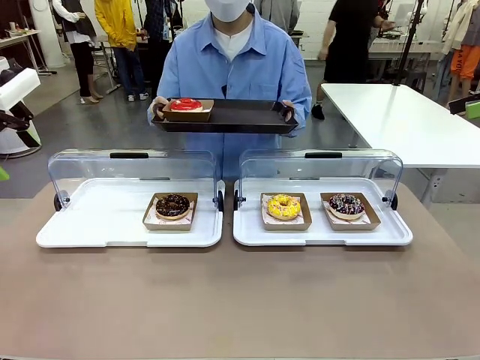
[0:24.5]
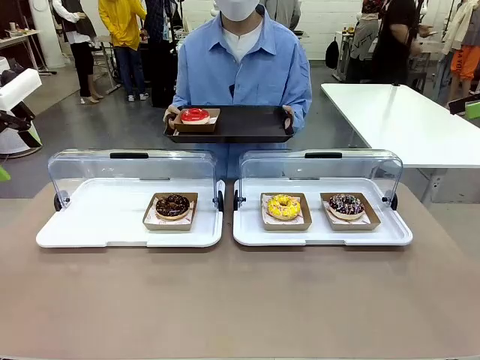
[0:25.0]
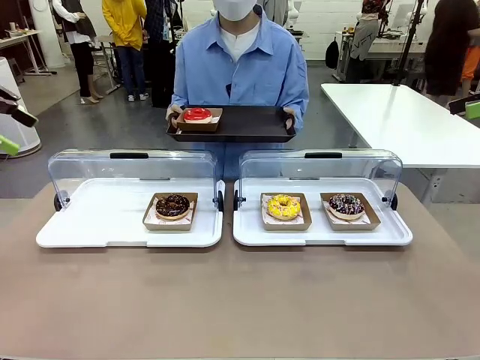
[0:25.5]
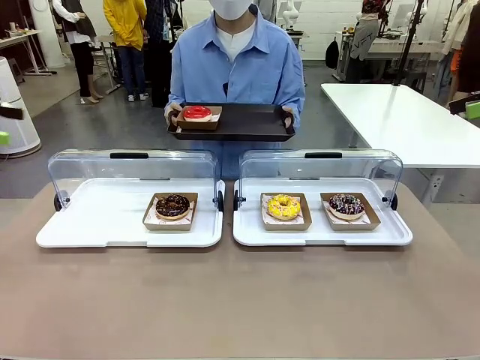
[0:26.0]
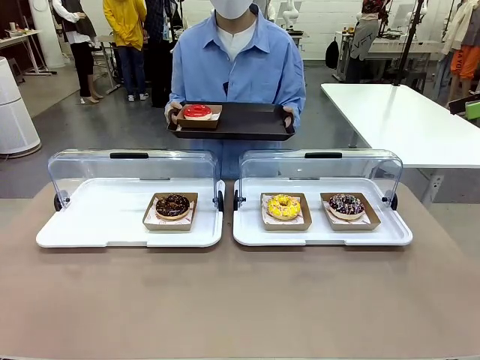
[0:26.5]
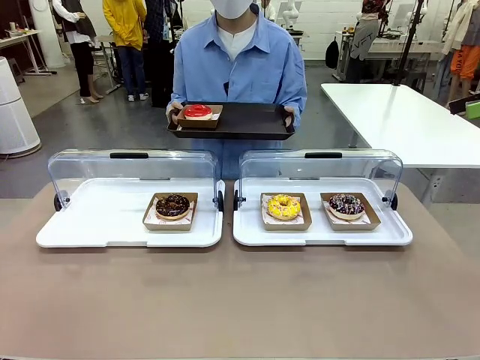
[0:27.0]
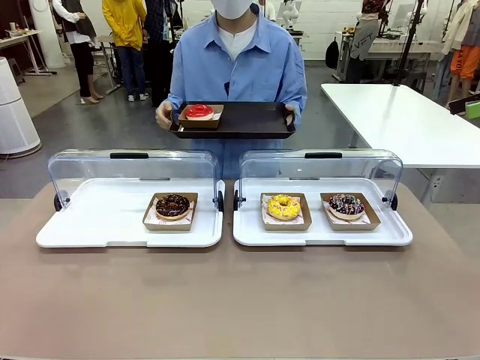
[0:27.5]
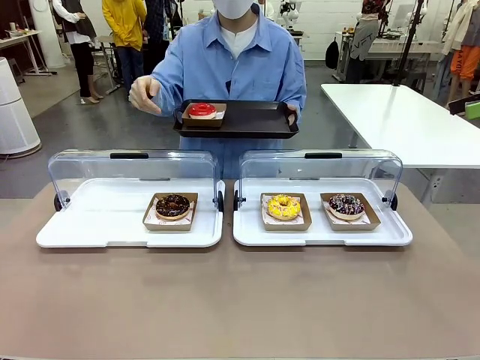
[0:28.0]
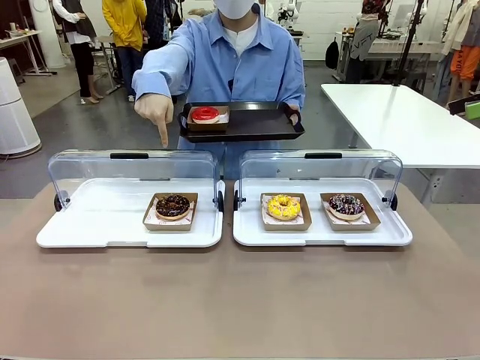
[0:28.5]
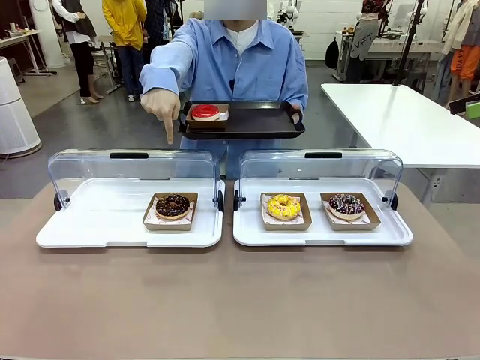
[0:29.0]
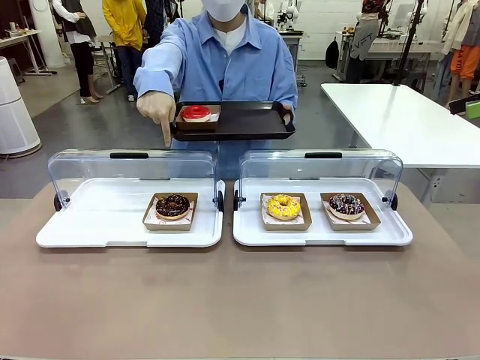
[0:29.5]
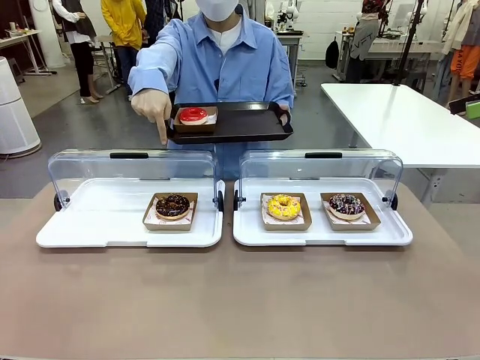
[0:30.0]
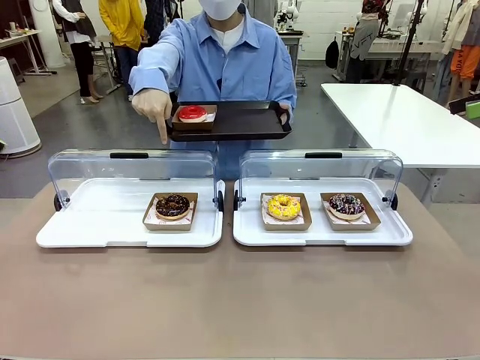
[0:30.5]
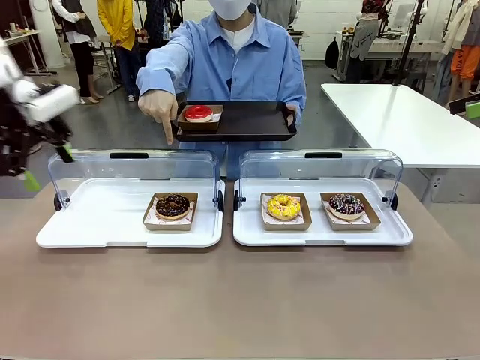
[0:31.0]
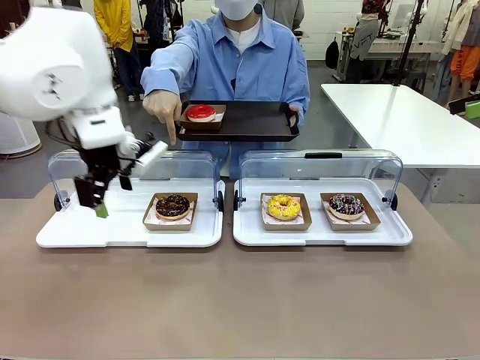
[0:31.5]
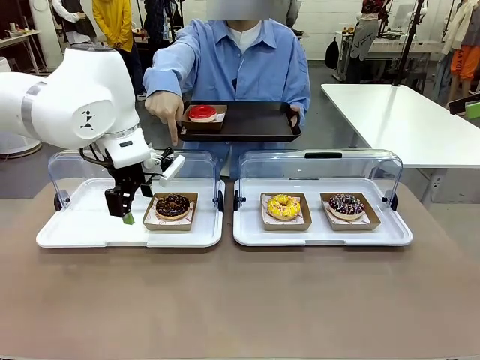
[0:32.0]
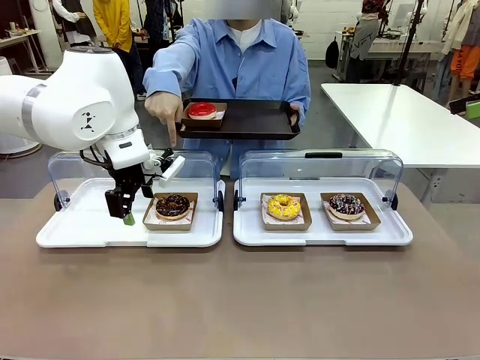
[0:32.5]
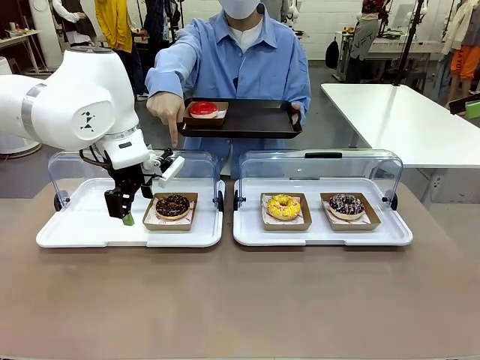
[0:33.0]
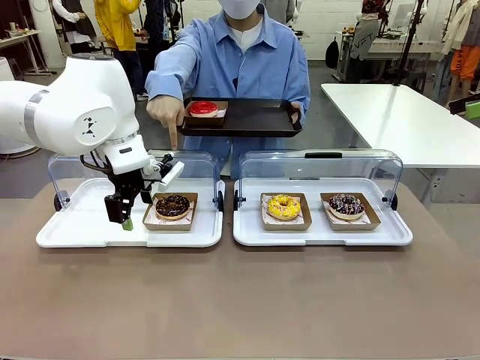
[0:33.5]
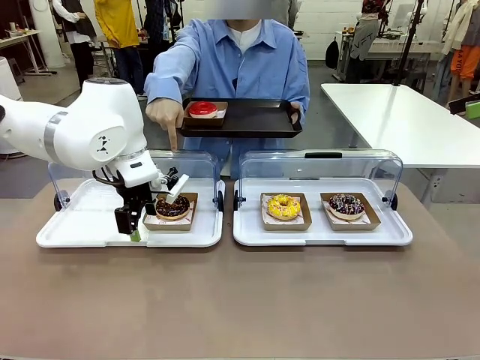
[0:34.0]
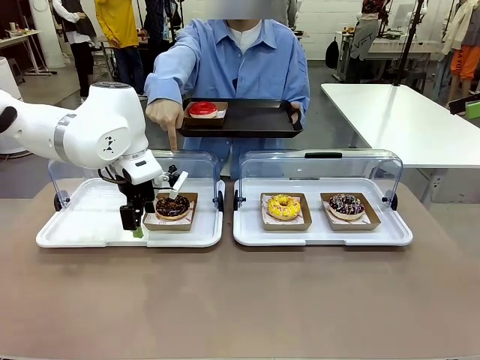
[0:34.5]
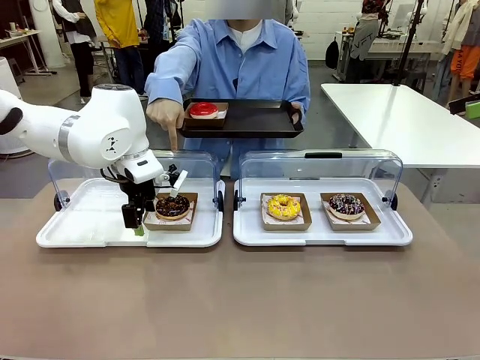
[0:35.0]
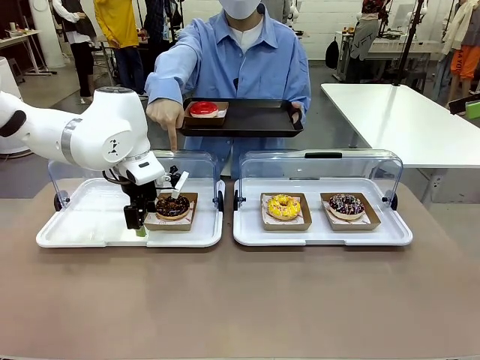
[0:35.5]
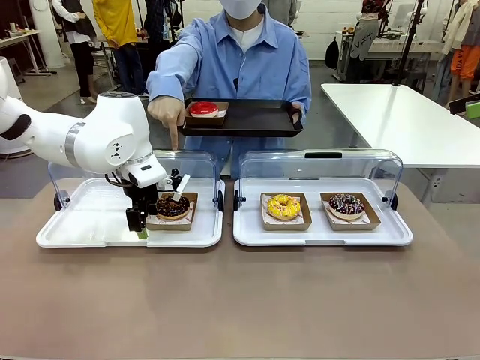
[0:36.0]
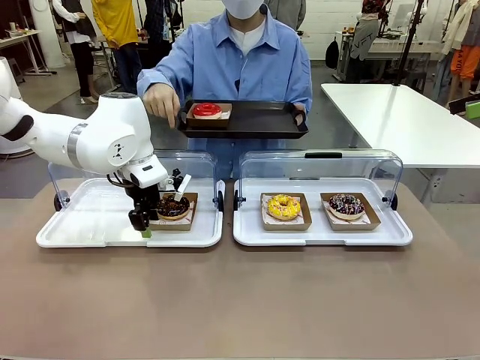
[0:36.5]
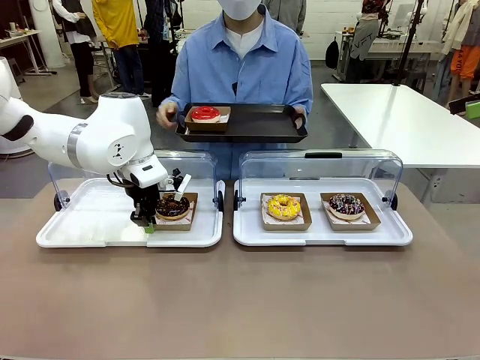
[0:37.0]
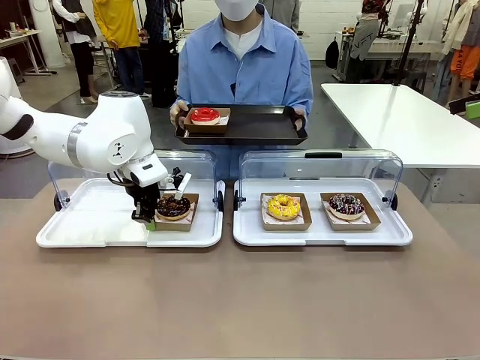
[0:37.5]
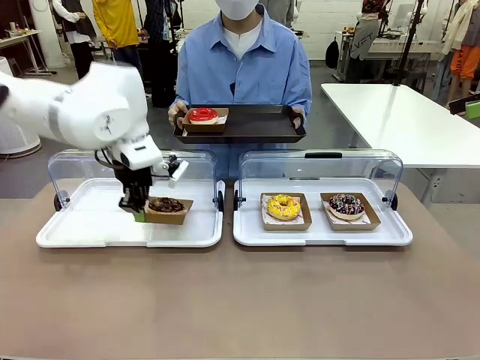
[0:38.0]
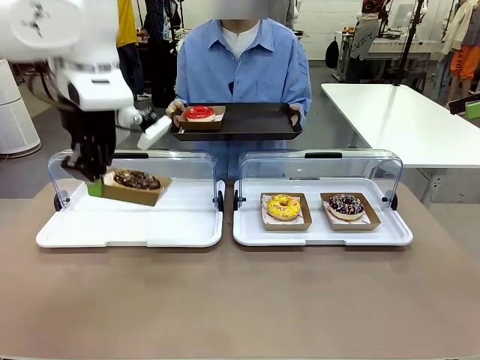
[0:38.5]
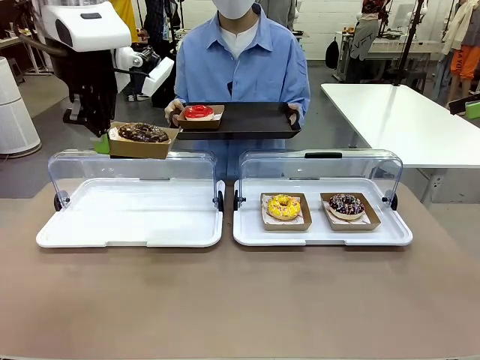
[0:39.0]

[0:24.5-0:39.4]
Task: Provide the desired donut to the person.
Robot: Pick up and lift the Paper togo box containing the Donut pointed at by the person.
Person: Point to one donut. Lift the tray onto the Roll-Top Bakery Case.

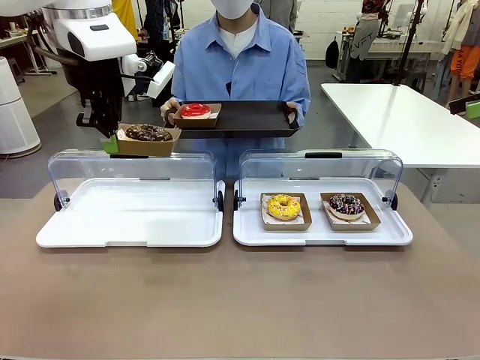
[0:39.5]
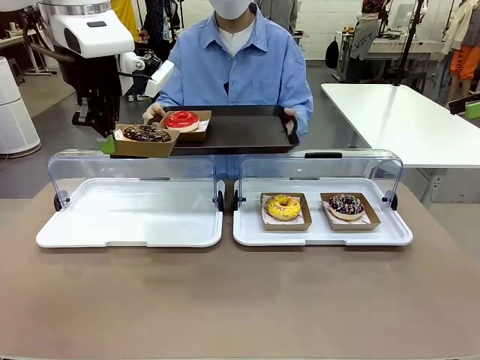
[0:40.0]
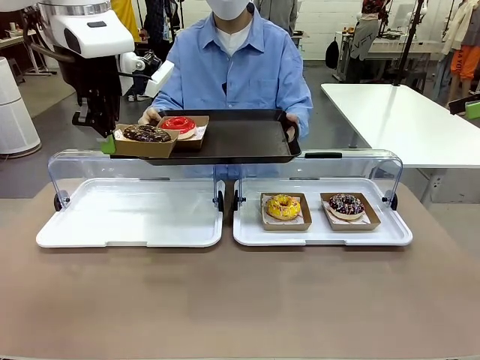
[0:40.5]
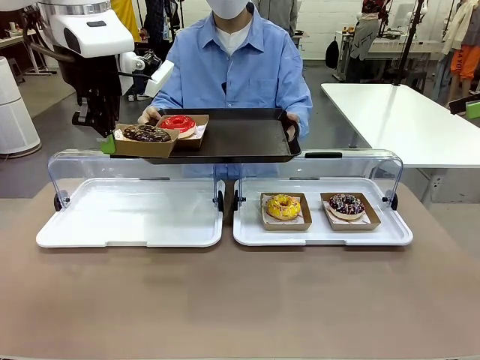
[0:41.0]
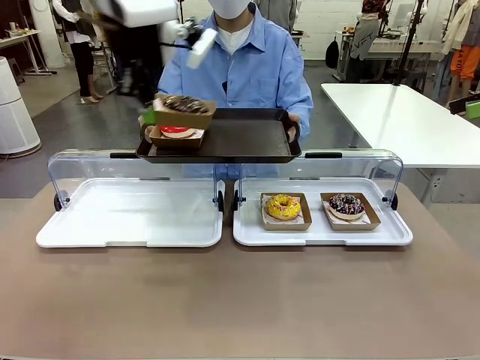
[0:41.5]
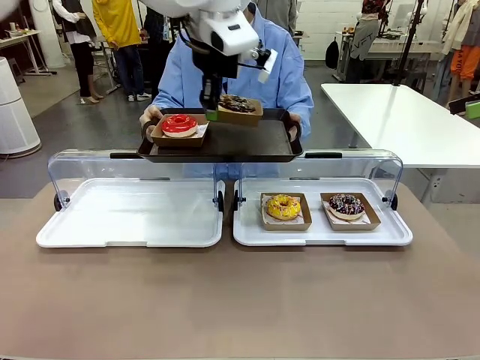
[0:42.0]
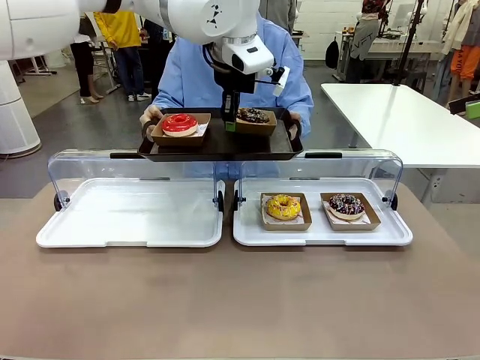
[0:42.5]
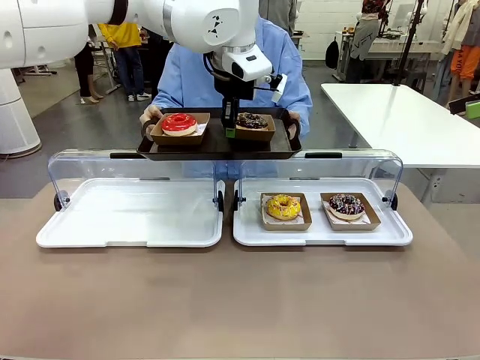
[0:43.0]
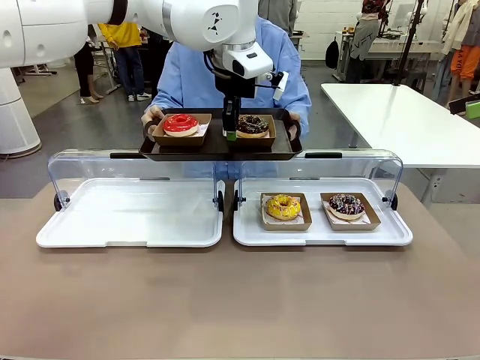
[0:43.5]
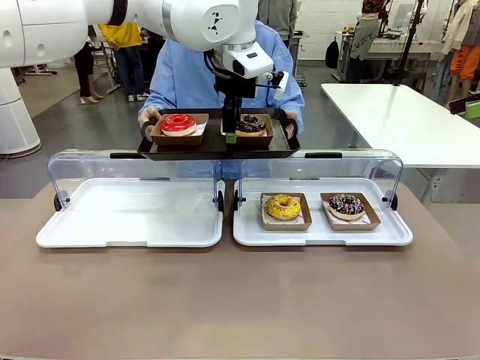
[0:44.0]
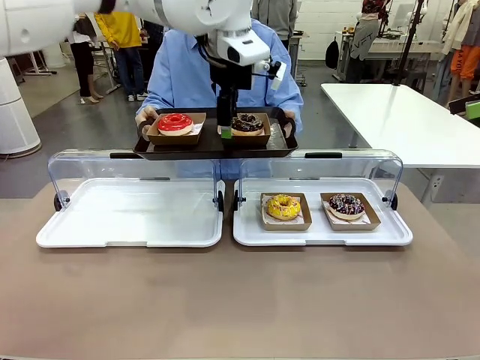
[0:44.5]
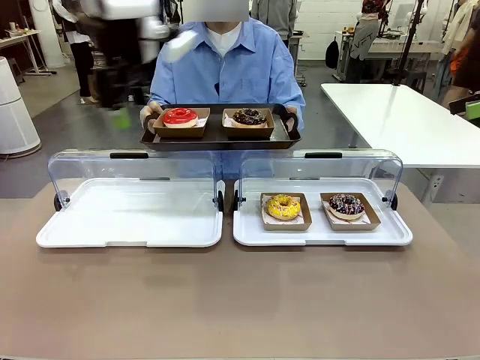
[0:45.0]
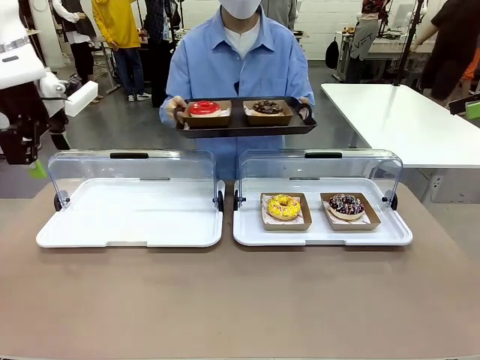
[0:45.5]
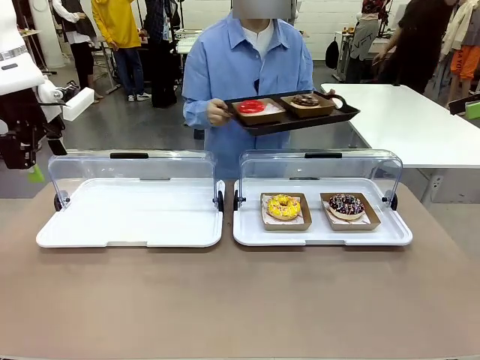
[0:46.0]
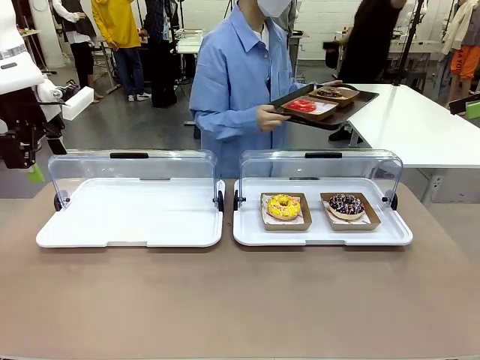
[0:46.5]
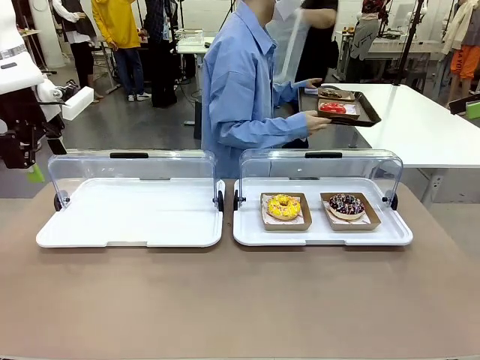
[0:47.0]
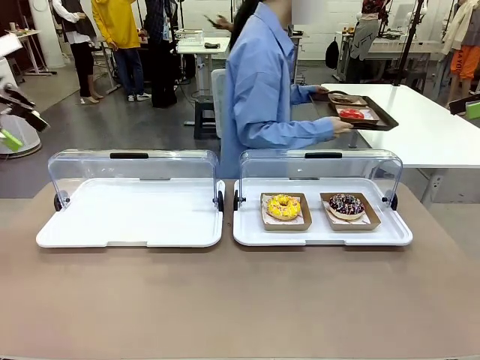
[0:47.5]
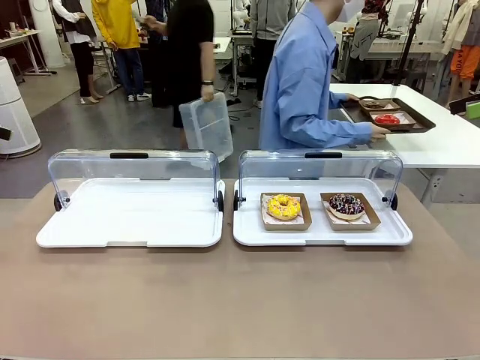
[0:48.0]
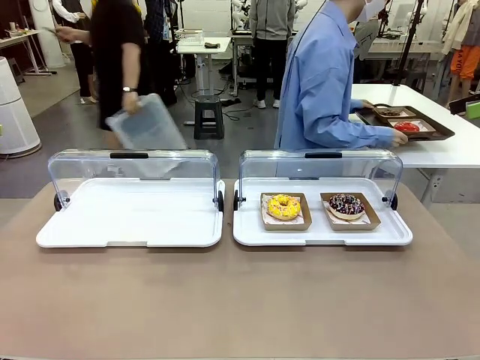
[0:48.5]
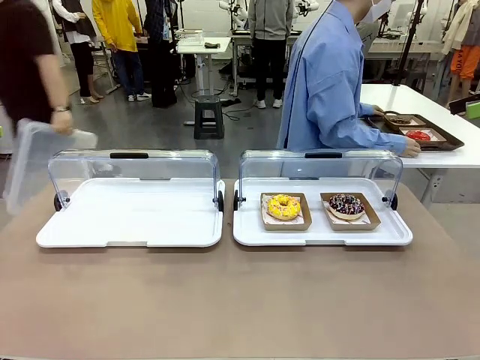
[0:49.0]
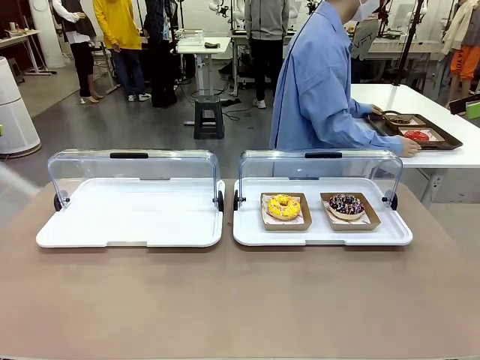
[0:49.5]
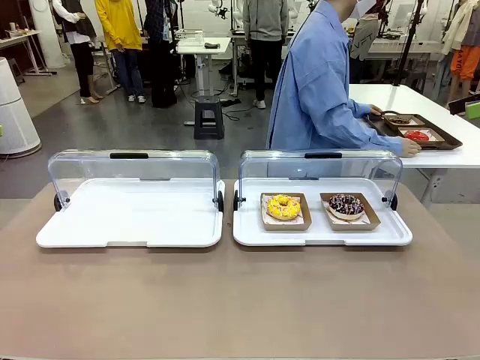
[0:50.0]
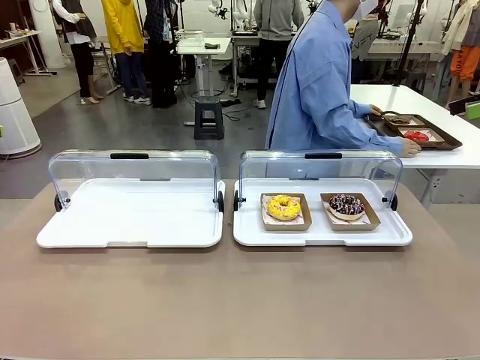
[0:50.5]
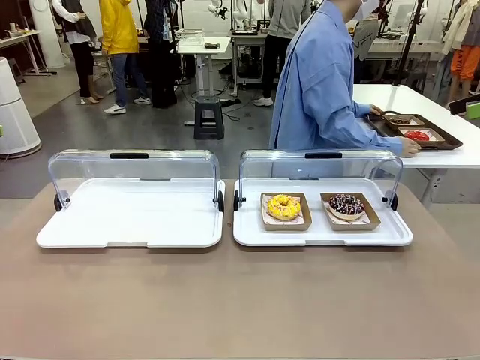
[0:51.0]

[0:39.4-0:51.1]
Robot: Place the picked Paper togo box onto the Handle tray extended by the person.
Person: Place the tray in the middle of the human table.
